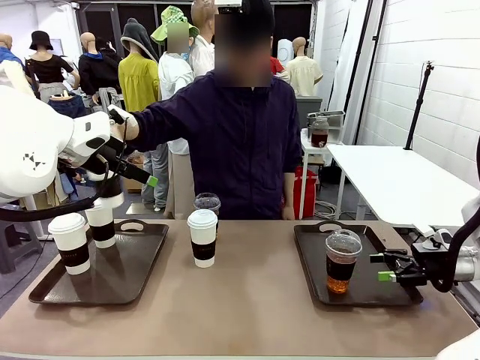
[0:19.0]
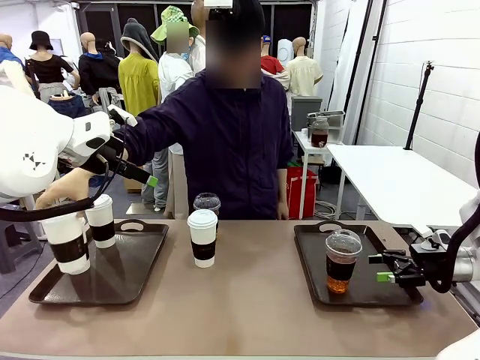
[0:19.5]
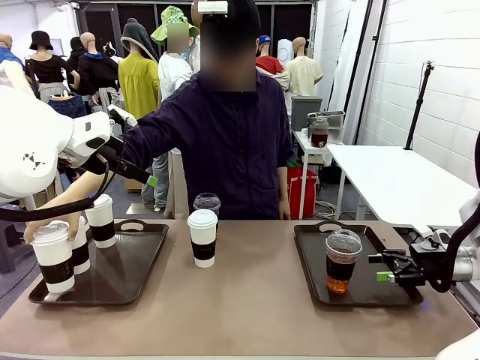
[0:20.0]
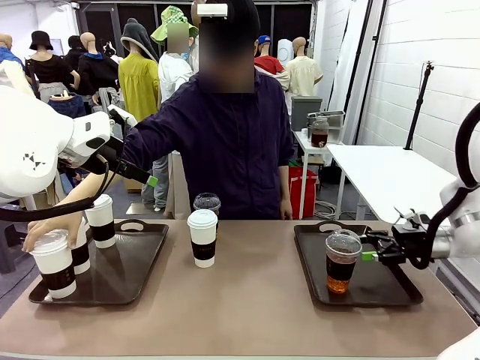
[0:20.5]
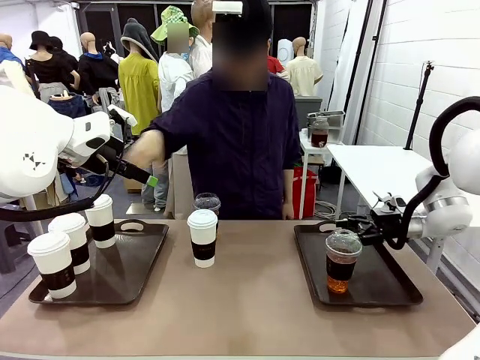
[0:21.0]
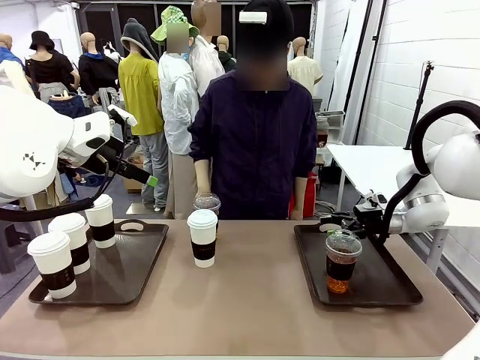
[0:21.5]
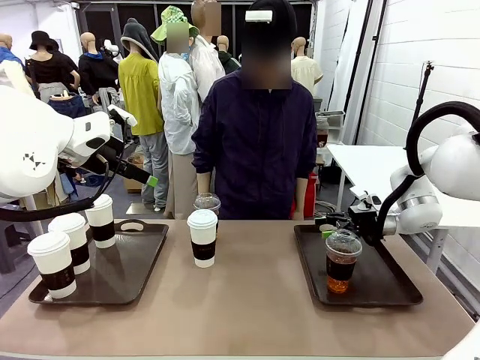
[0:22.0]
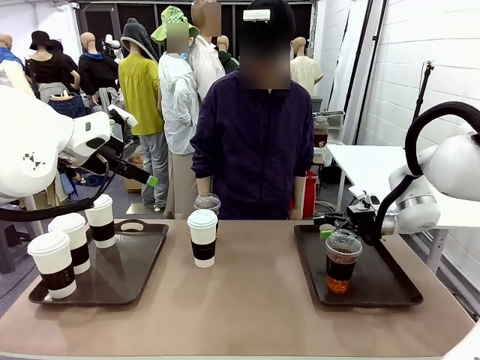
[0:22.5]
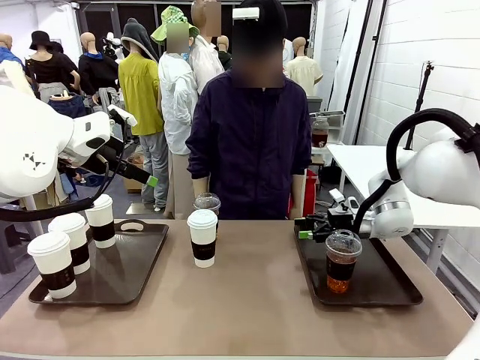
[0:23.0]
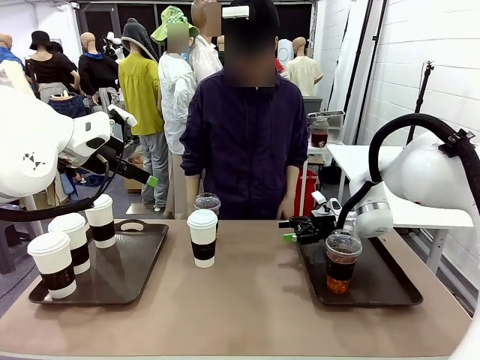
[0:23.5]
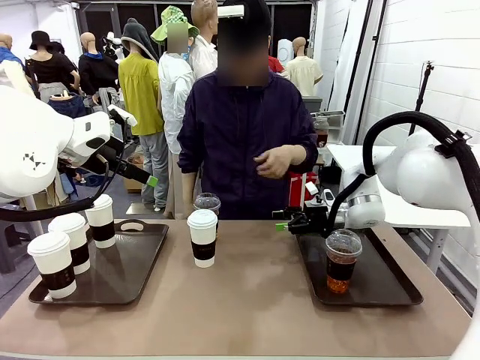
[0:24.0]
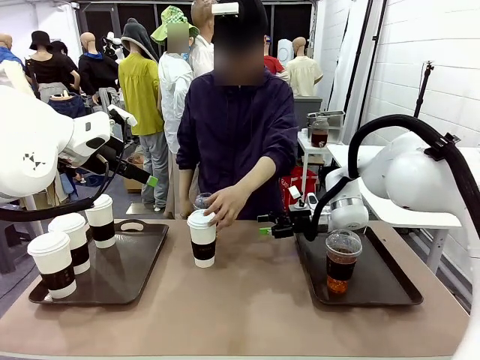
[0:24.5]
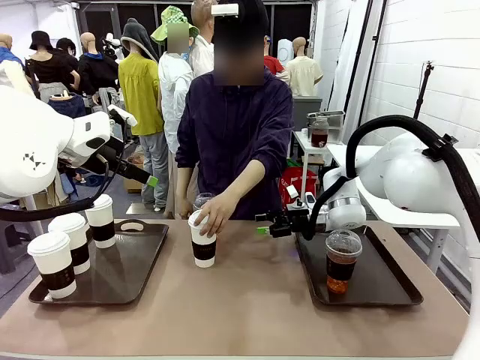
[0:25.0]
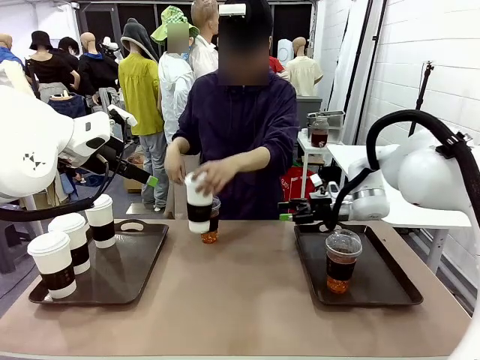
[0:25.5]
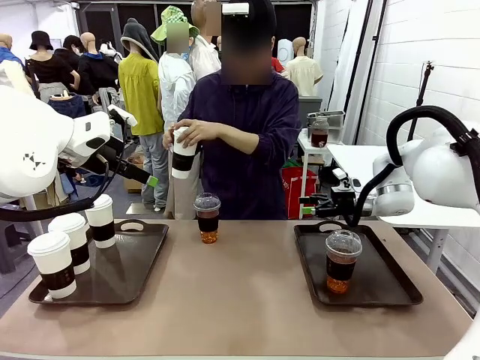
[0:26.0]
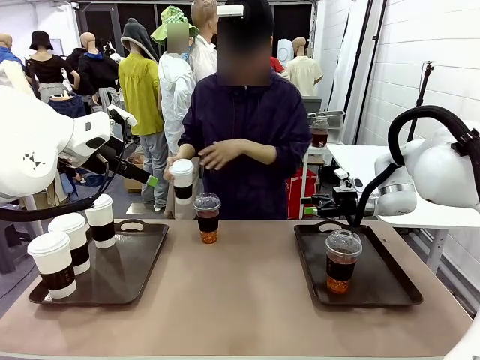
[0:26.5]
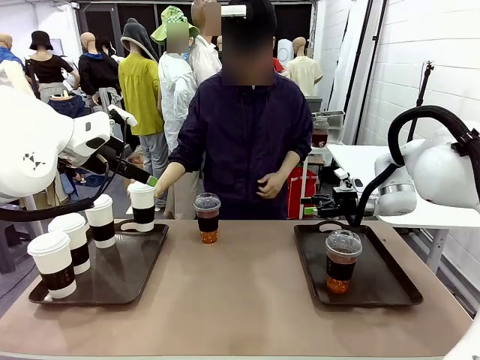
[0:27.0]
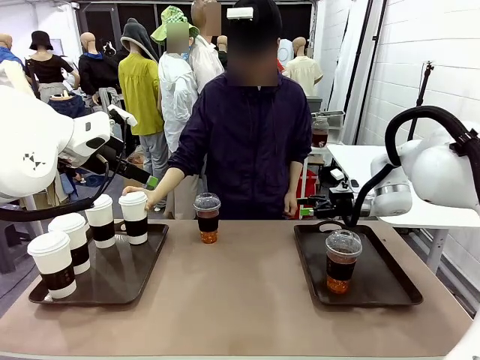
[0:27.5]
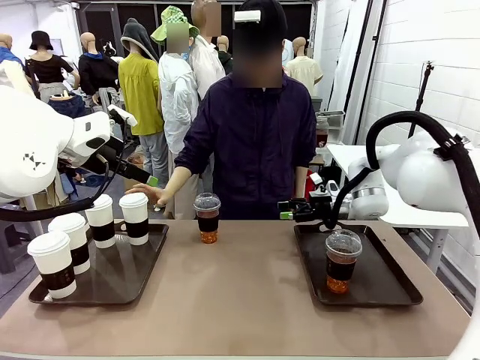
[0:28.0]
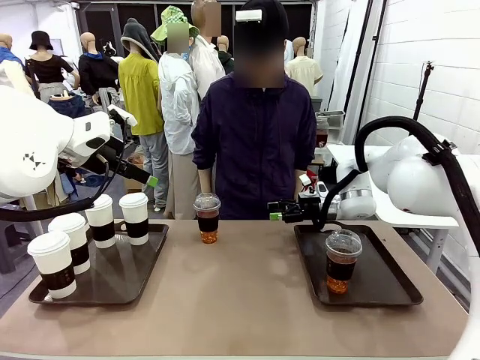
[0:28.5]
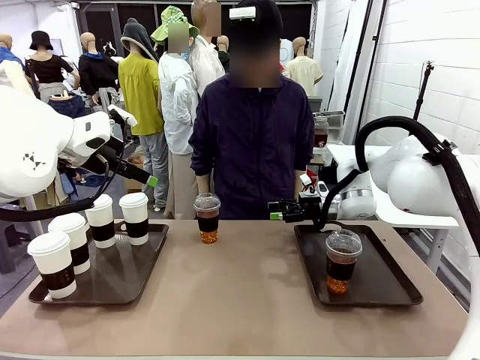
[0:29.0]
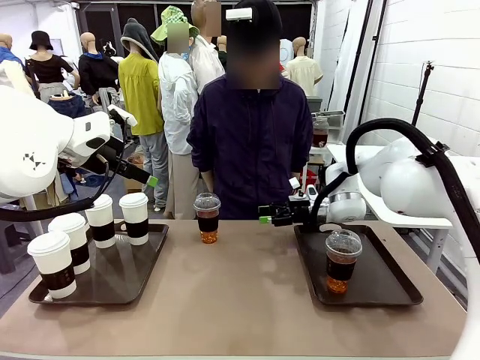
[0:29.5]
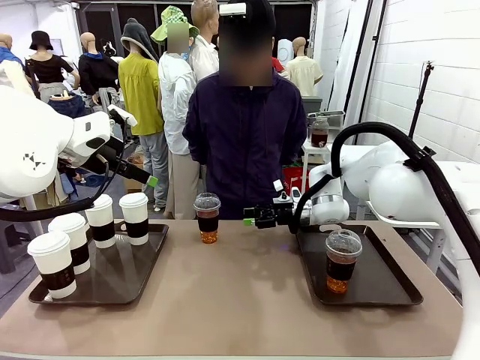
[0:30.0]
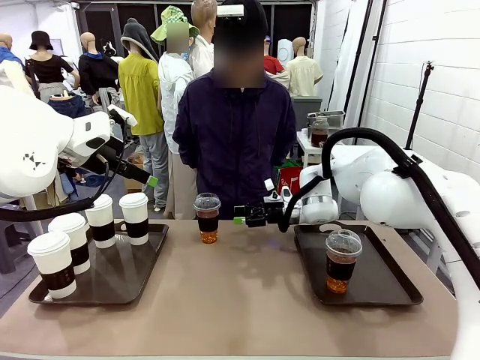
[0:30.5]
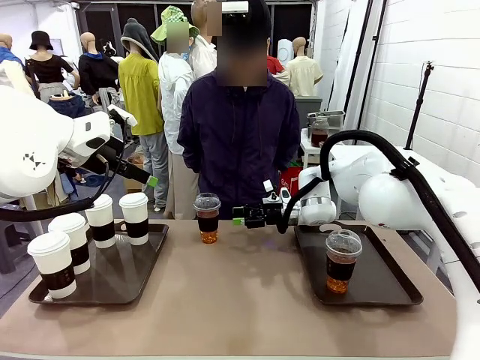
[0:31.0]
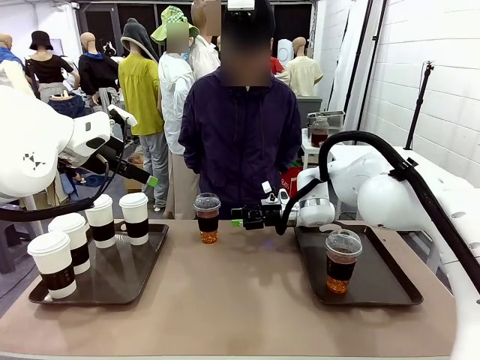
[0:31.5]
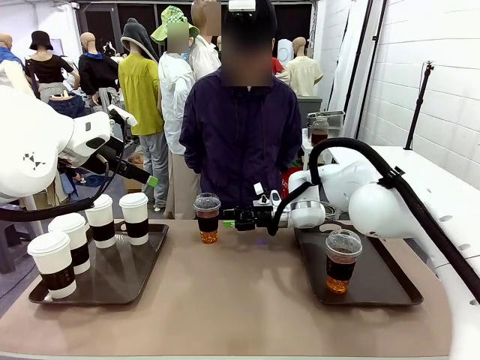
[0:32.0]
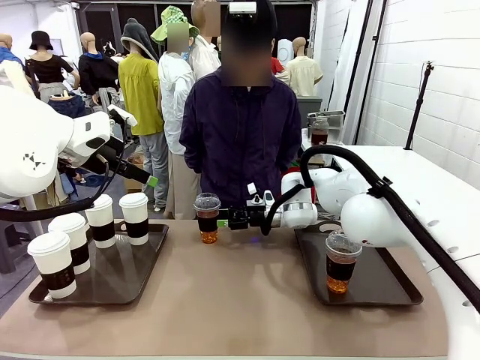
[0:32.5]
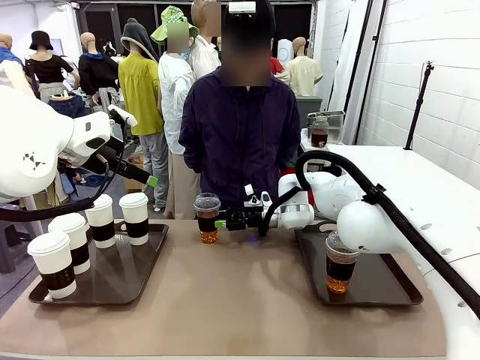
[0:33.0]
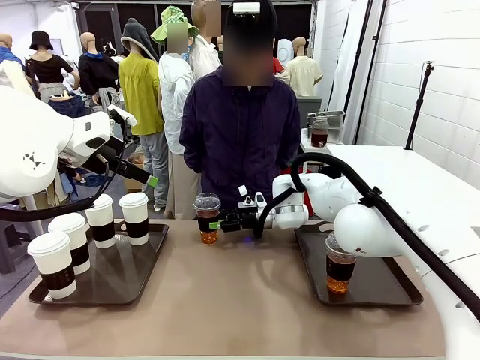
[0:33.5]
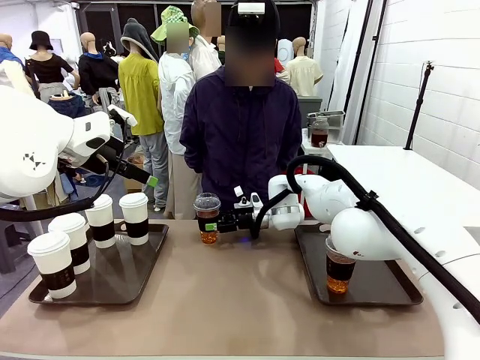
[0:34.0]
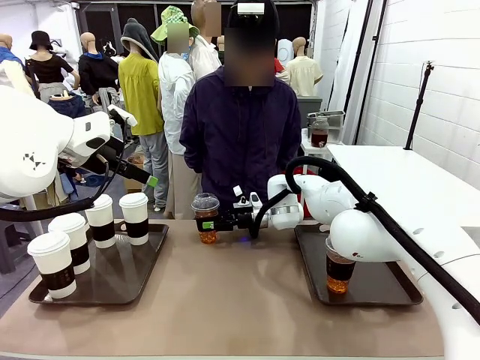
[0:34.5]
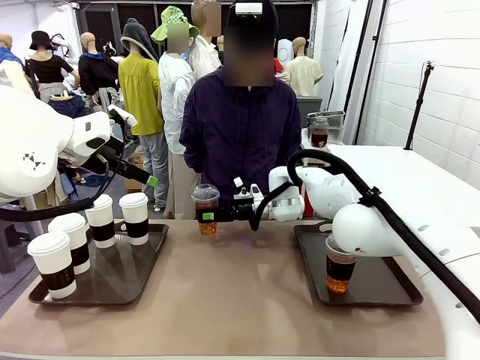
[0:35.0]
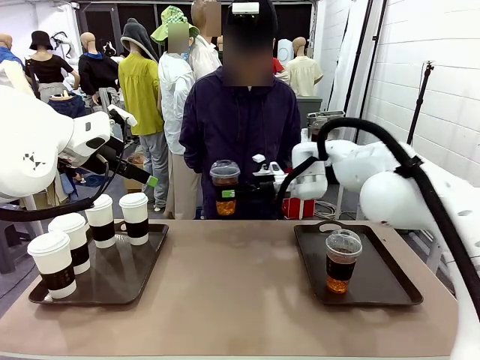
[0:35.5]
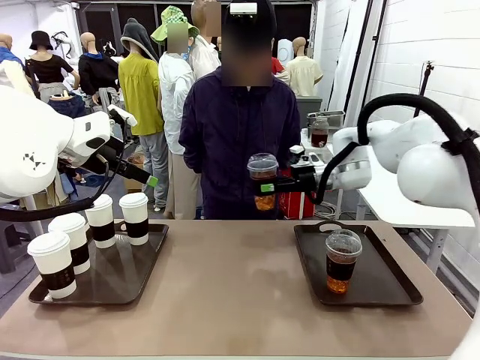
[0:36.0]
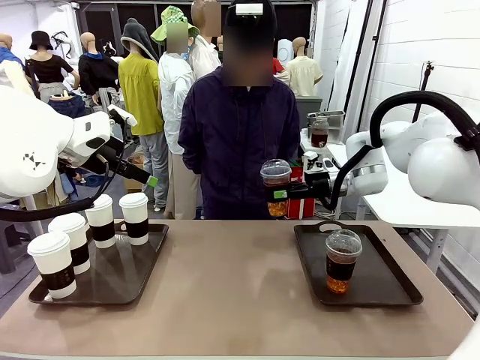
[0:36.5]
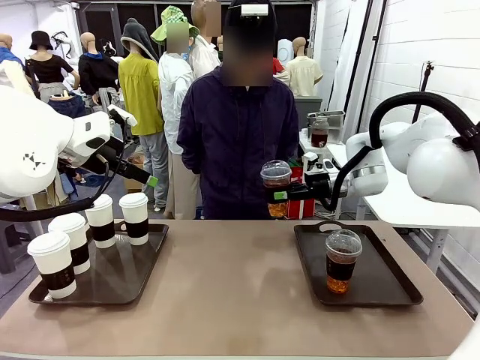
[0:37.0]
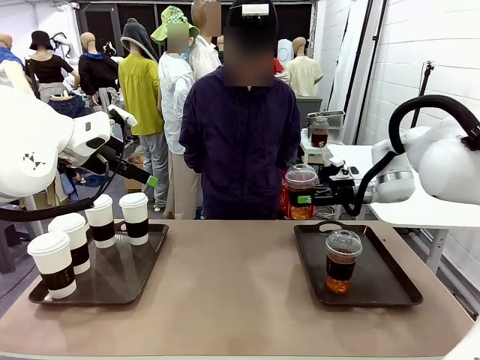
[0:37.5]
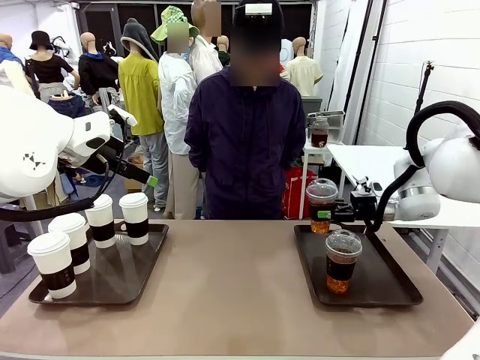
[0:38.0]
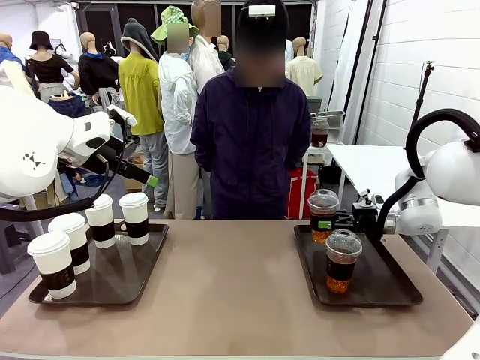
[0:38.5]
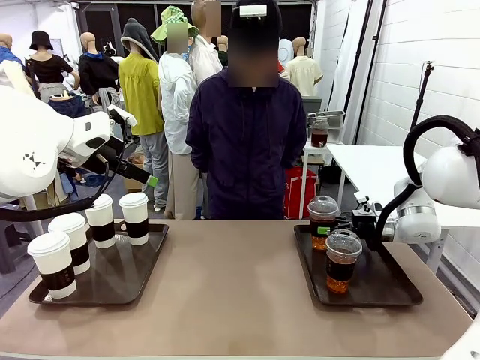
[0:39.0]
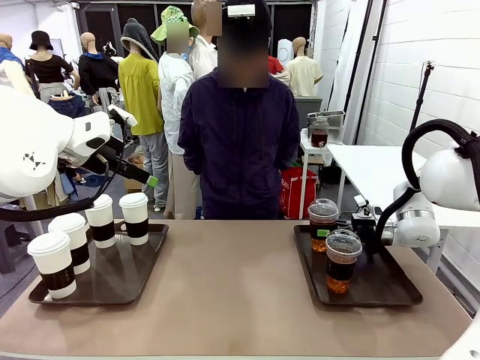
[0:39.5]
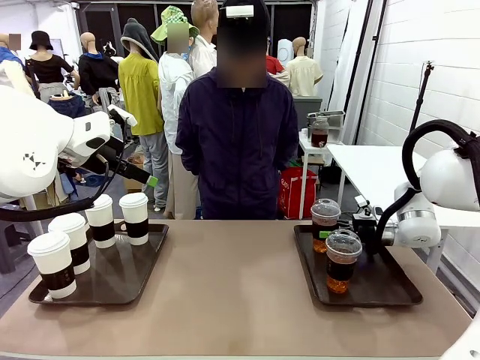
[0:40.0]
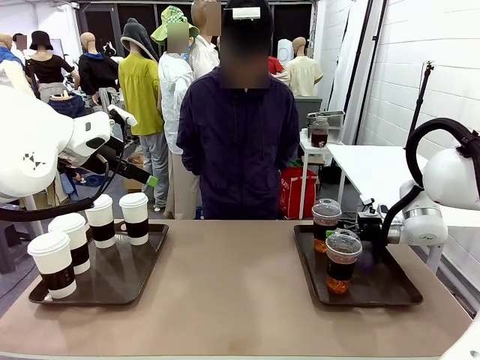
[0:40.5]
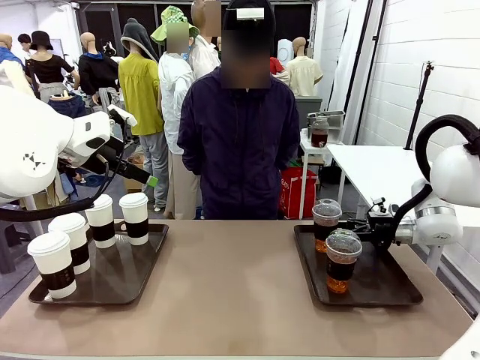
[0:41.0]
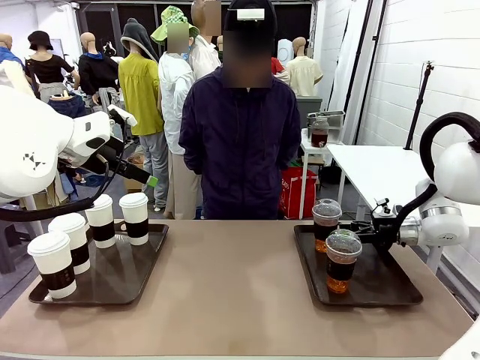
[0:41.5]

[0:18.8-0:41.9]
Task: Distribute the coffee onto the tray.
Robot: Pick up another iced Americano from the middle of the table and place it on the right Handle tray.
Person: Pick up a cup of hot Americano from the middle of the table and place it on the right tray.
